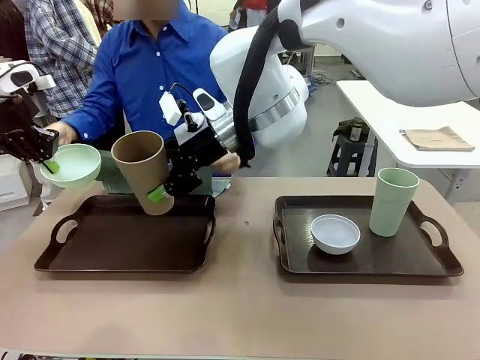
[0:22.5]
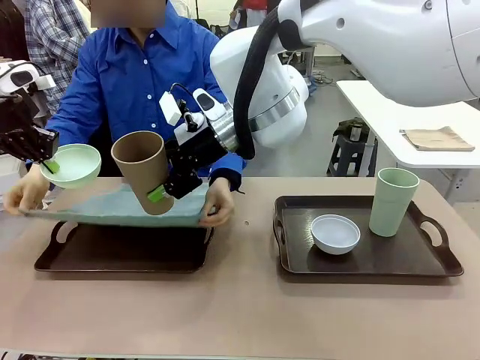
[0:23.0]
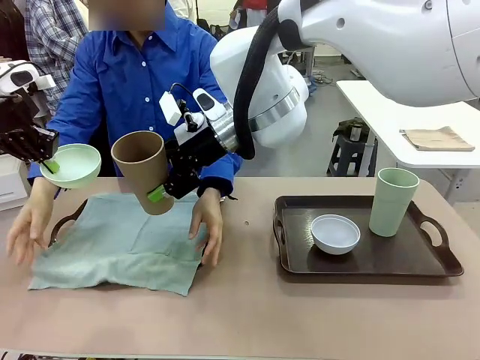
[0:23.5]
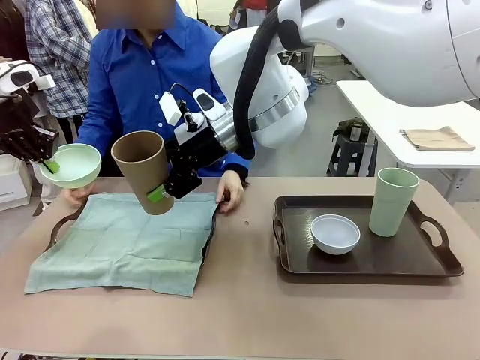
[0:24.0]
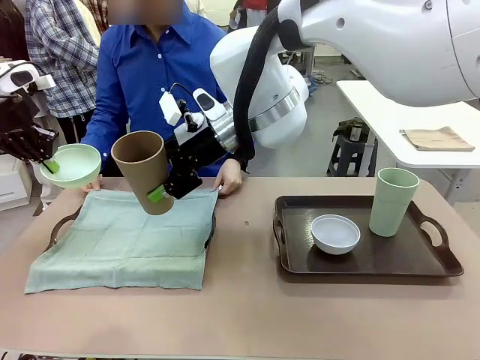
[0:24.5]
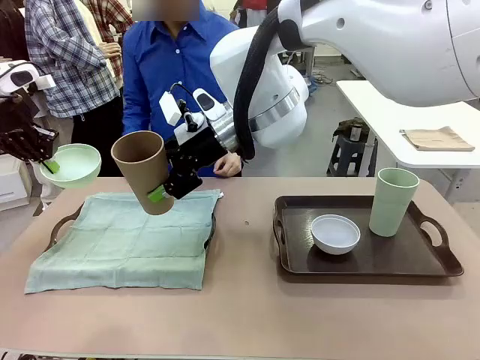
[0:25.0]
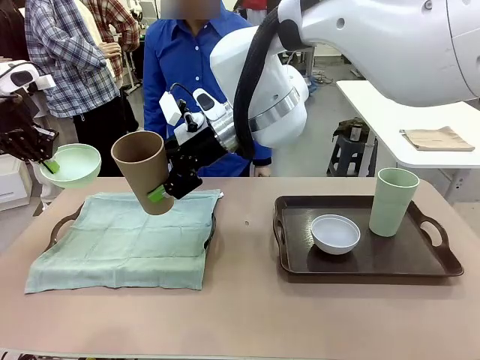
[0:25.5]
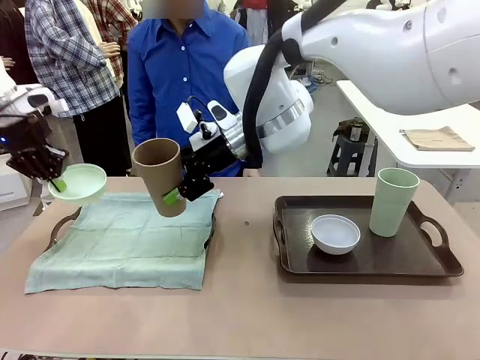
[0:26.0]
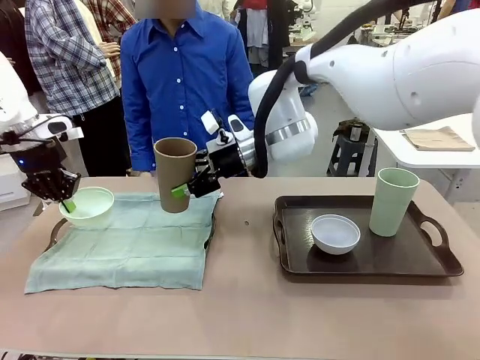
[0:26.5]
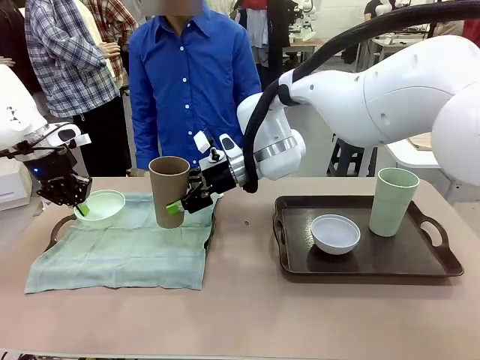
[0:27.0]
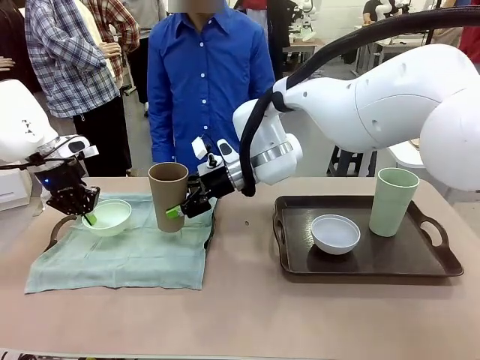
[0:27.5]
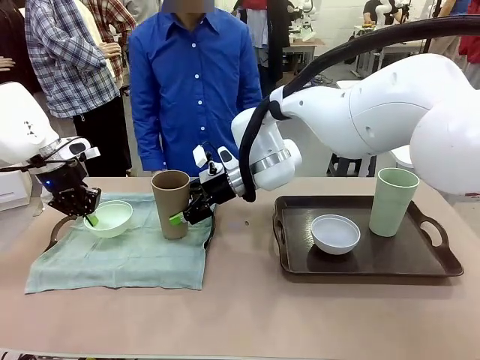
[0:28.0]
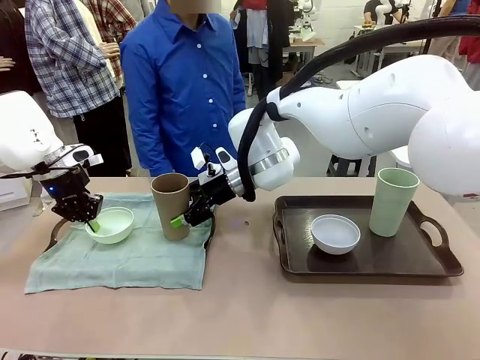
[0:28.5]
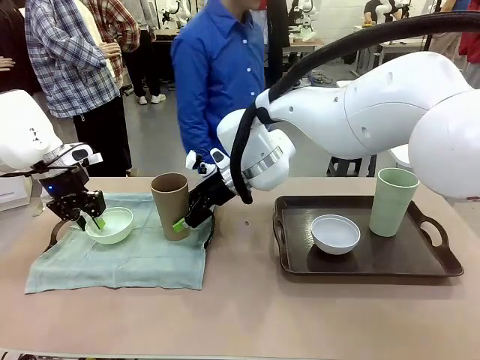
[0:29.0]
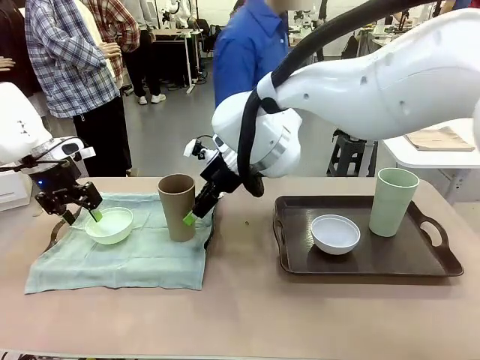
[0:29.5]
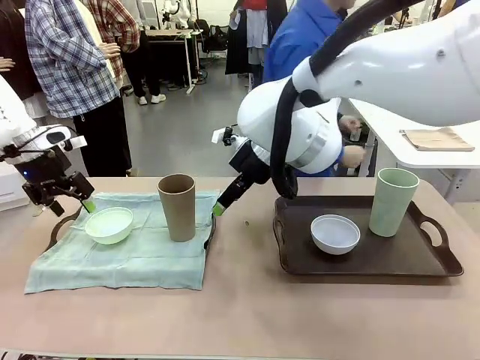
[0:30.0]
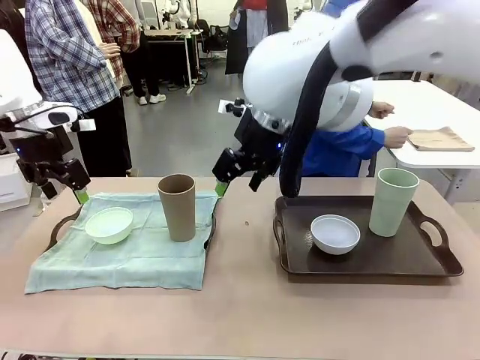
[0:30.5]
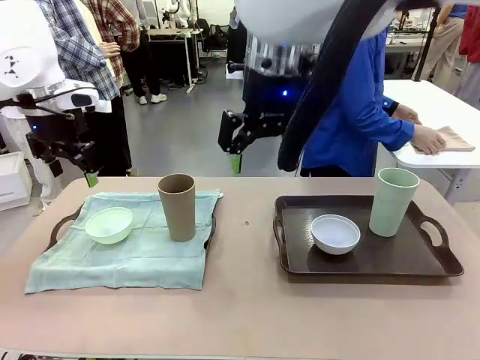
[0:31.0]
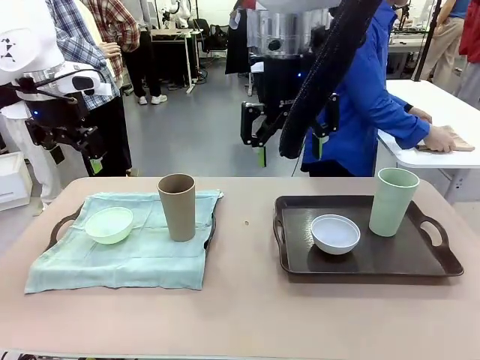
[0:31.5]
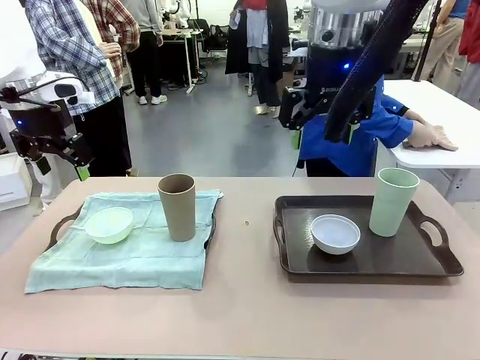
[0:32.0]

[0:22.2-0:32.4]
Robot: Place the Picnic Bowl and Reusable plastic cup back onto the Handle tray in front of the human's position.
Person: The human returns to the human table to pick up another napkin and walks to the robot table to stand in front of the tray without a napkin.

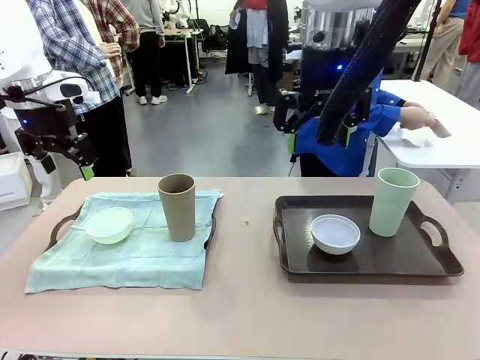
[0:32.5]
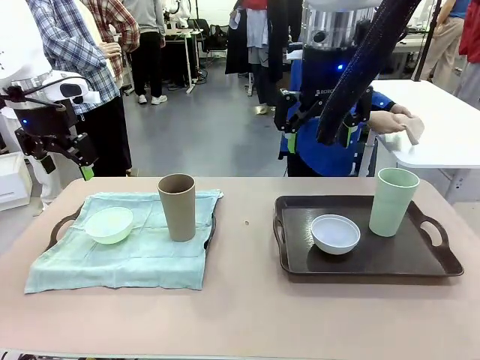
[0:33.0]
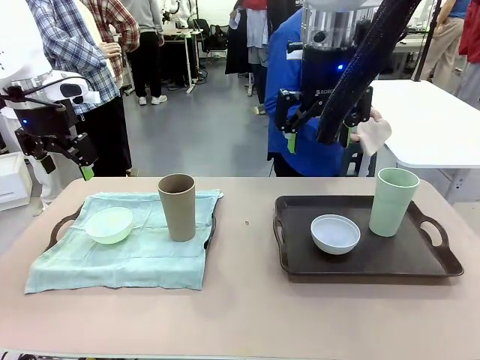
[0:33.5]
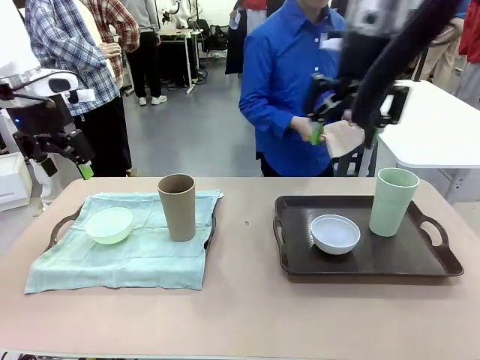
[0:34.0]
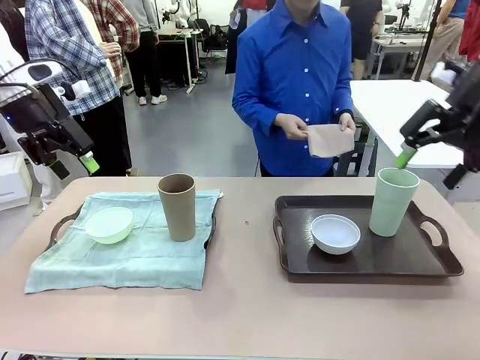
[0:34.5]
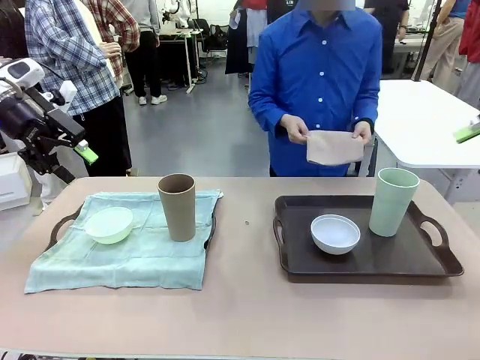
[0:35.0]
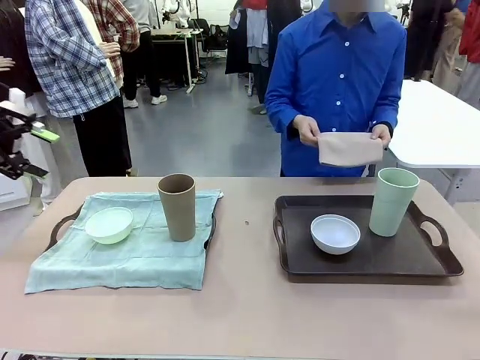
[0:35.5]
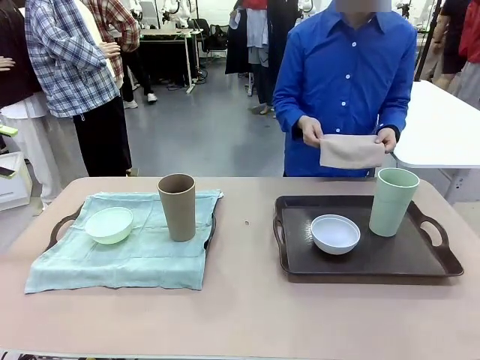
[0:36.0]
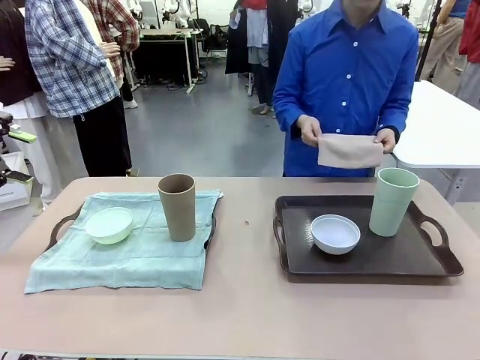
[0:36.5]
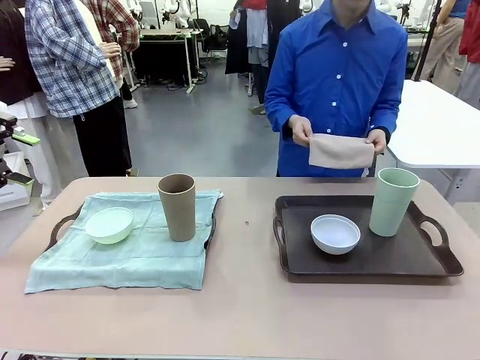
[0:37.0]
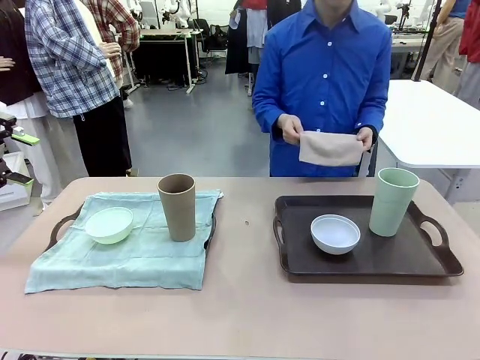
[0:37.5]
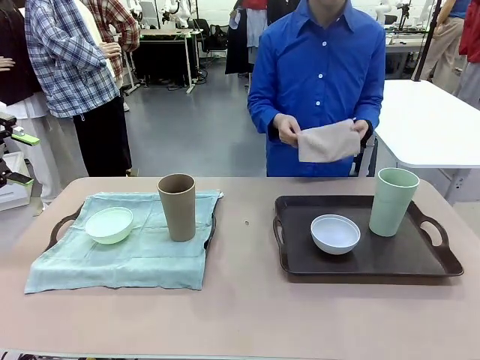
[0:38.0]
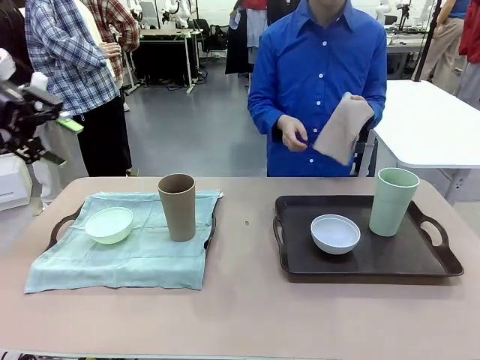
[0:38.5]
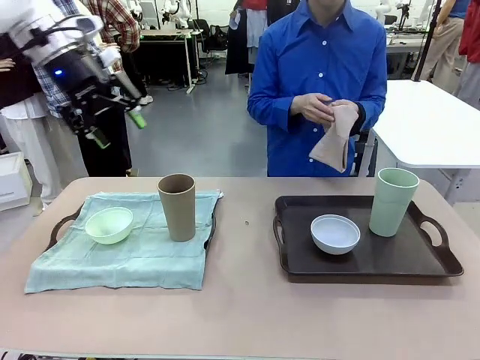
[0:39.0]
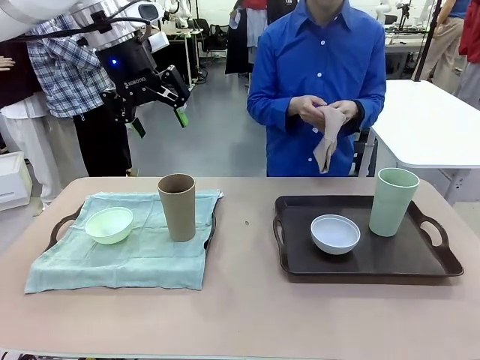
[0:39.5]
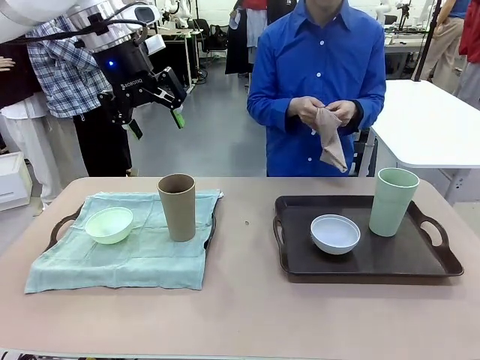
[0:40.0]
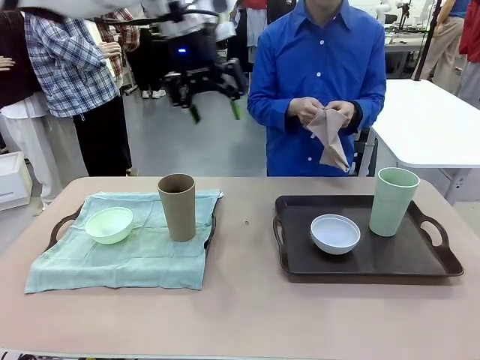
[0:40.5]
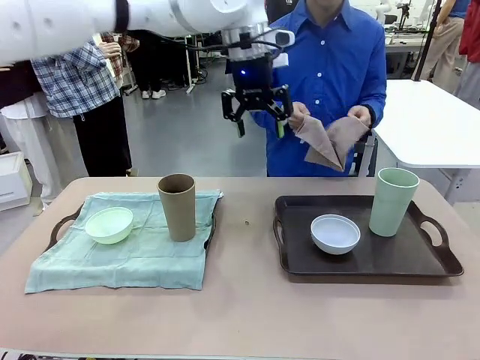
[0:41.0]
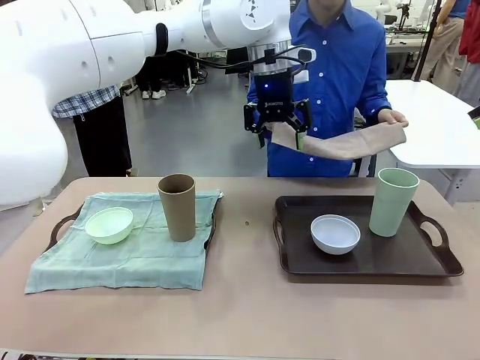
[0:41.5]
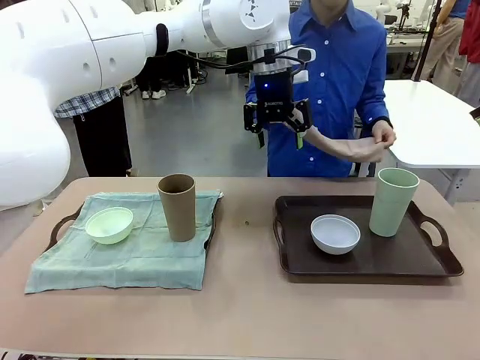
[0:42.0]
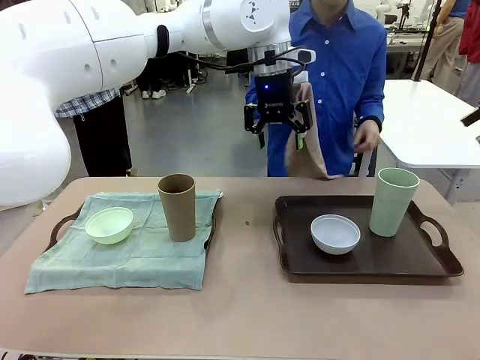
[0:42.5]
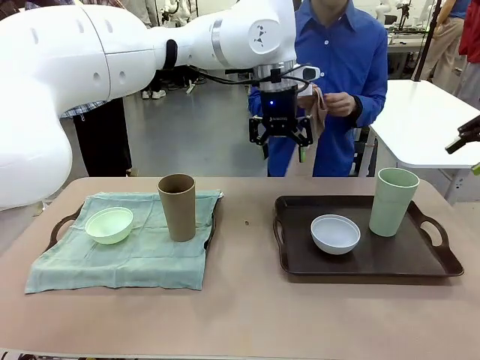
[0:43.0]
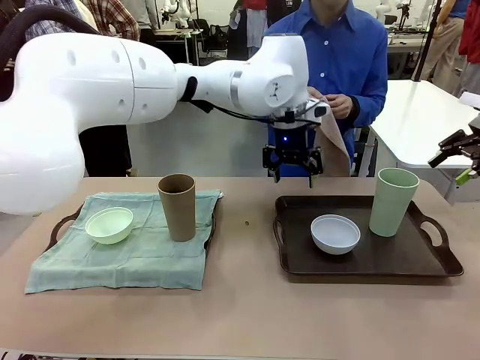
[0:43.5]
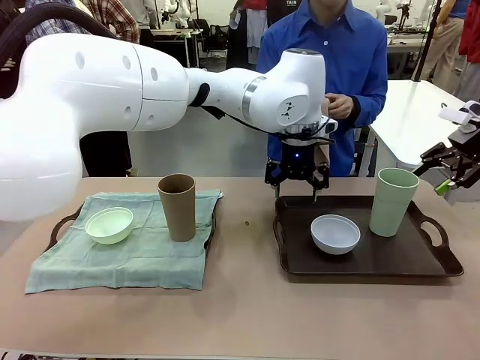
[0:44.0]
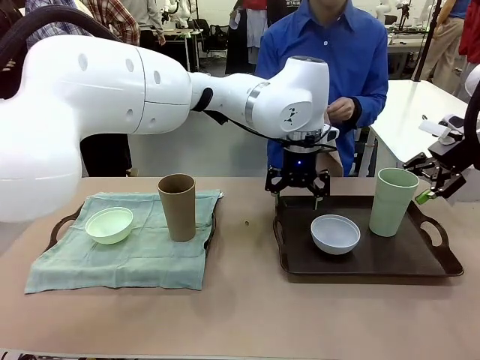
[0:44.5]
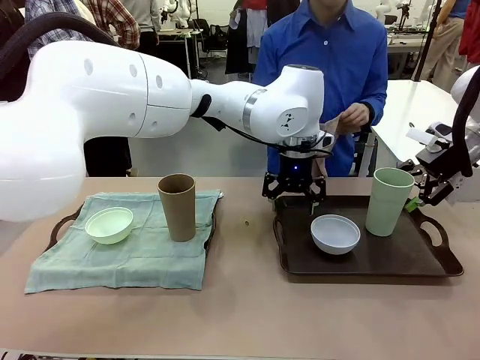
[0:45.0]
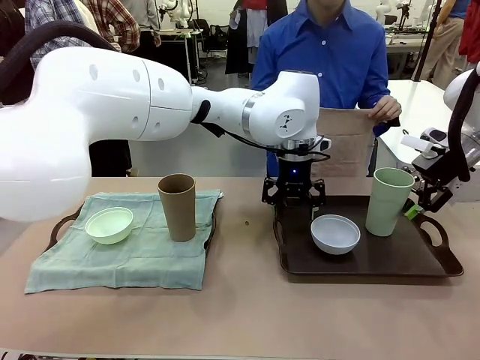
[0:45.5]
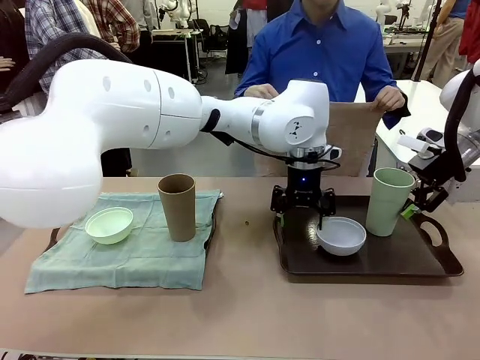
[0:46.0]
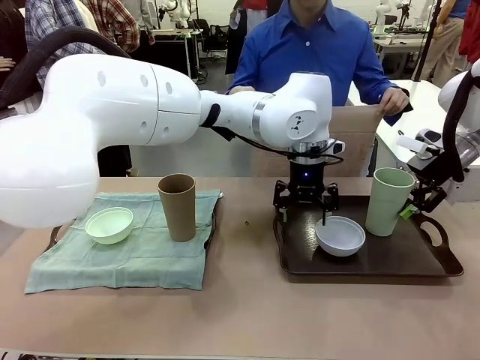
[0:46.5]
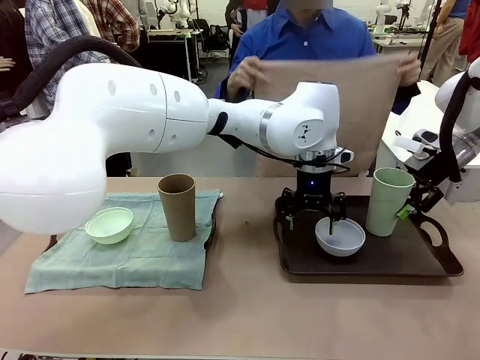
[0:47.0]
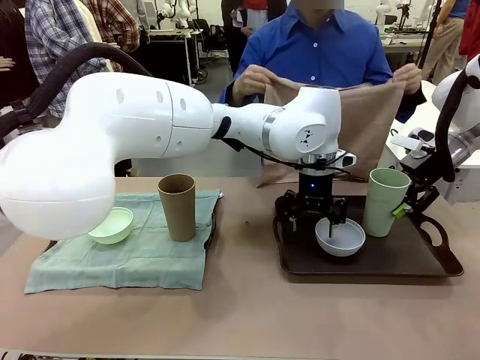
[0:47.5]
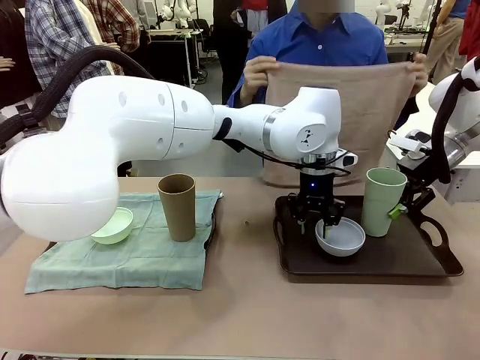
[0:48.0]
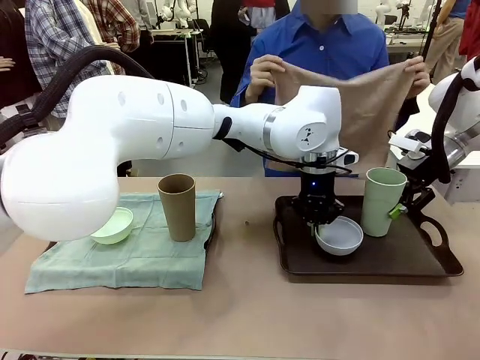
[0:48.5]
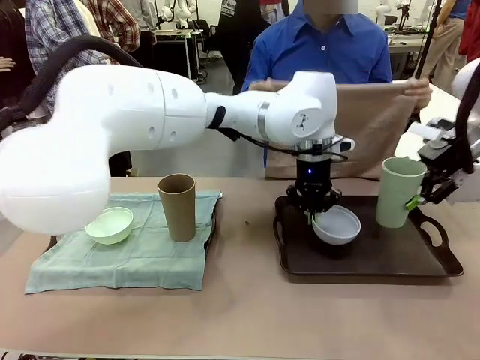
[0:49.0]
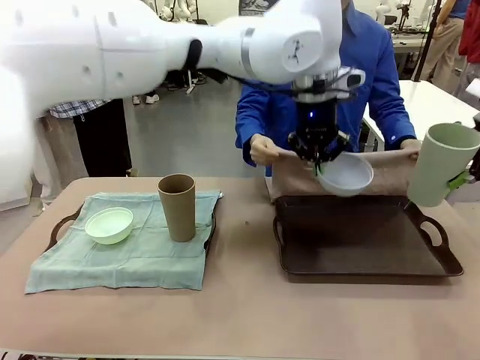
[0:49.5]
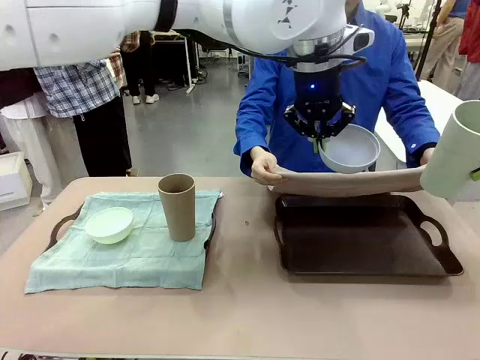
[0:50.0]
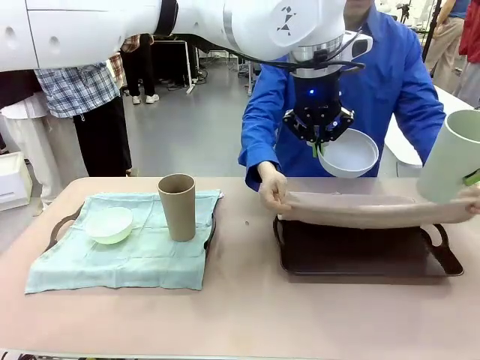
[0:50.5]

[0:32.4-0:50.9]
Robot: Pick up the Picnic Bowl and Reusable plastic cup from the Handle tray in front of the human's position and hold them in the air.
Person: When the robot lifts the bowl and the cup, the human unfolds the napkin and lays the napkin flat on the tray.
